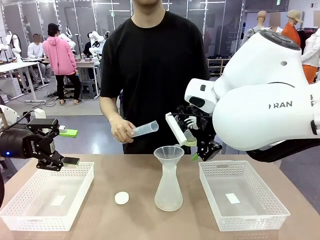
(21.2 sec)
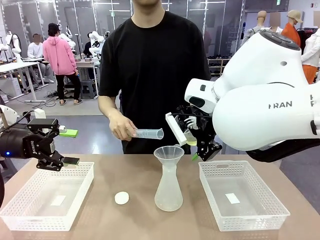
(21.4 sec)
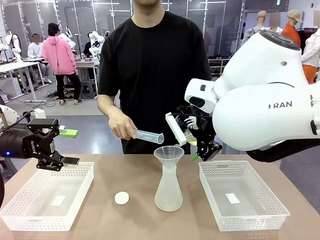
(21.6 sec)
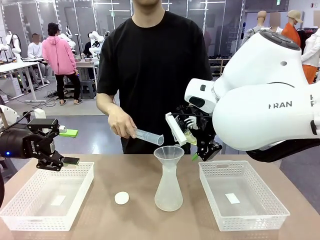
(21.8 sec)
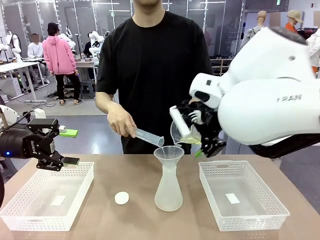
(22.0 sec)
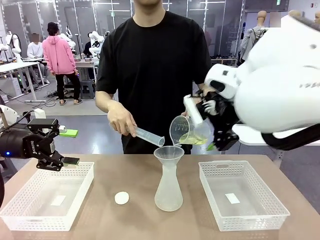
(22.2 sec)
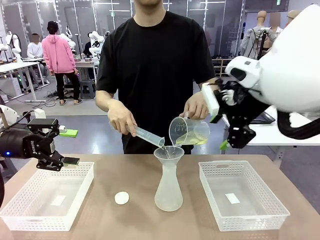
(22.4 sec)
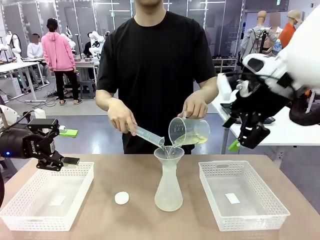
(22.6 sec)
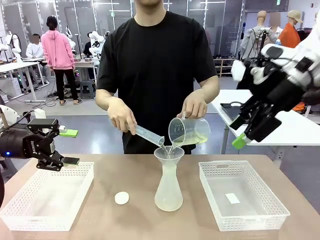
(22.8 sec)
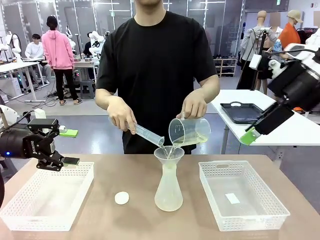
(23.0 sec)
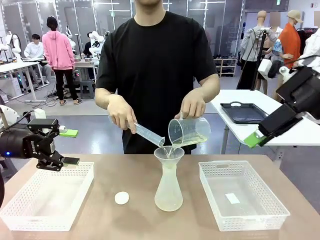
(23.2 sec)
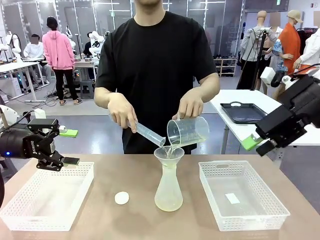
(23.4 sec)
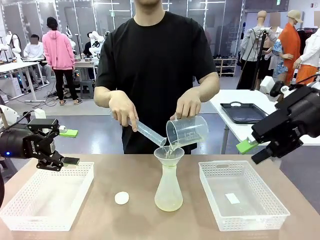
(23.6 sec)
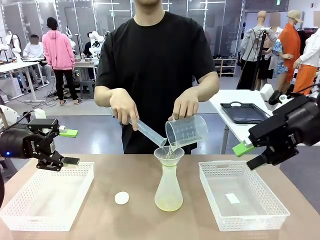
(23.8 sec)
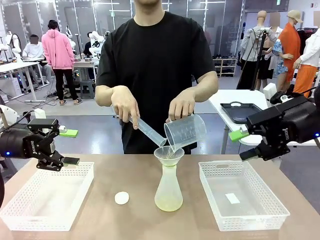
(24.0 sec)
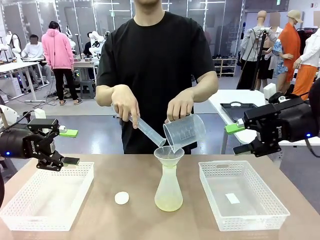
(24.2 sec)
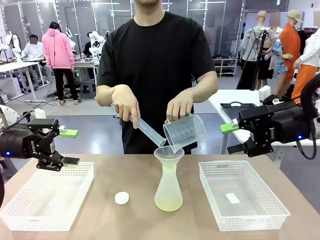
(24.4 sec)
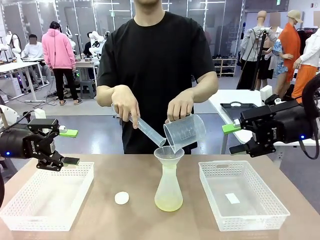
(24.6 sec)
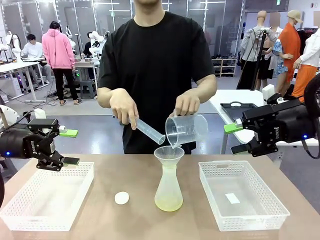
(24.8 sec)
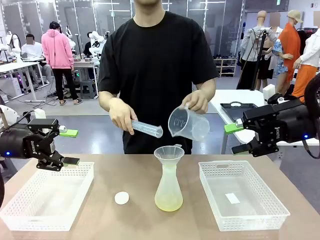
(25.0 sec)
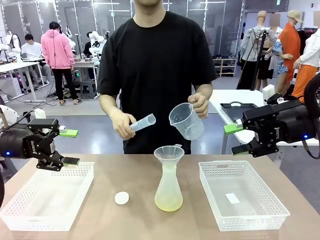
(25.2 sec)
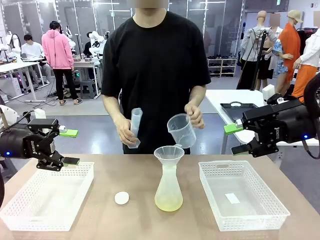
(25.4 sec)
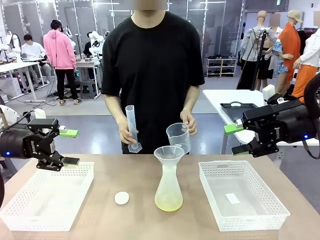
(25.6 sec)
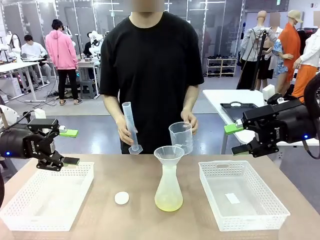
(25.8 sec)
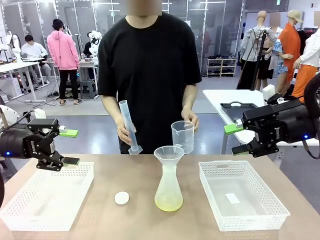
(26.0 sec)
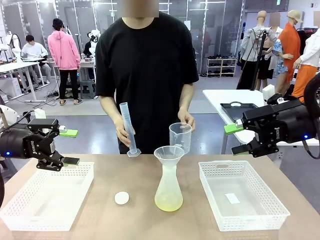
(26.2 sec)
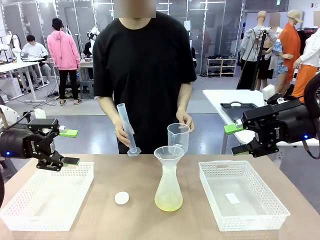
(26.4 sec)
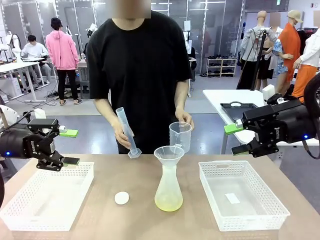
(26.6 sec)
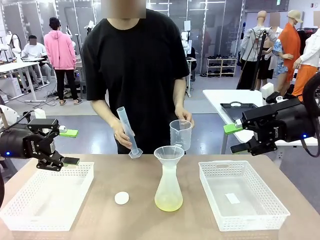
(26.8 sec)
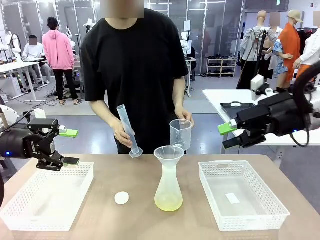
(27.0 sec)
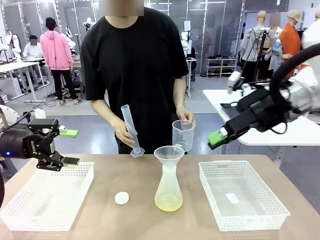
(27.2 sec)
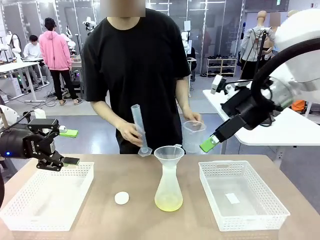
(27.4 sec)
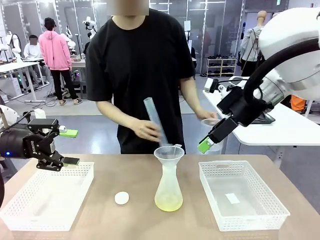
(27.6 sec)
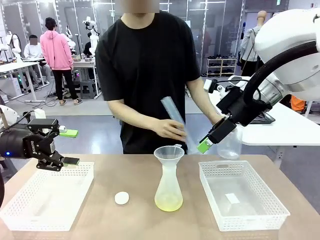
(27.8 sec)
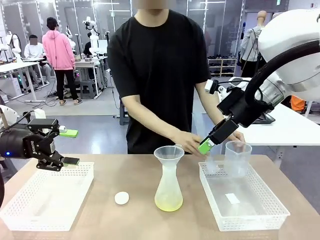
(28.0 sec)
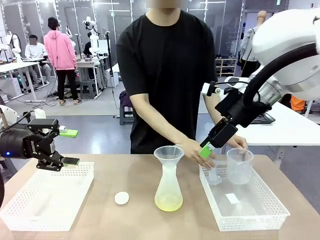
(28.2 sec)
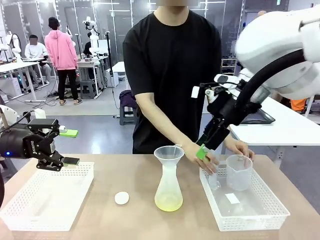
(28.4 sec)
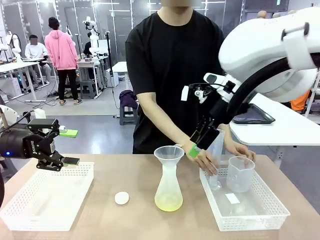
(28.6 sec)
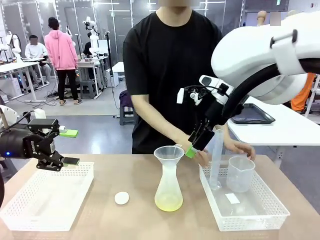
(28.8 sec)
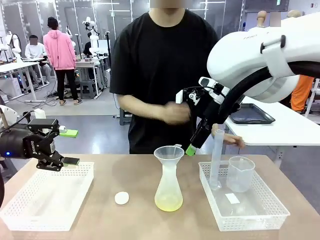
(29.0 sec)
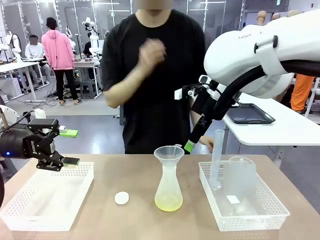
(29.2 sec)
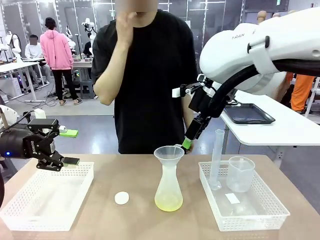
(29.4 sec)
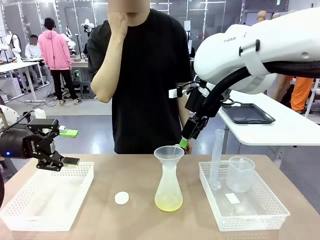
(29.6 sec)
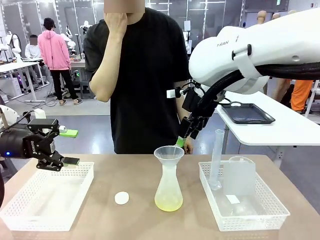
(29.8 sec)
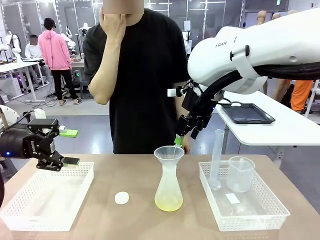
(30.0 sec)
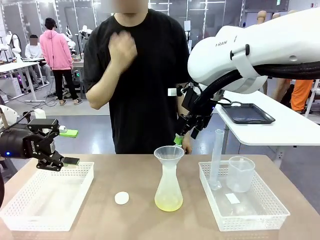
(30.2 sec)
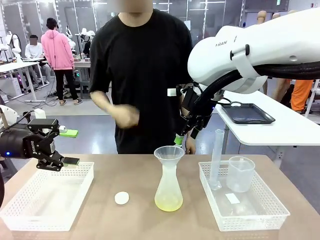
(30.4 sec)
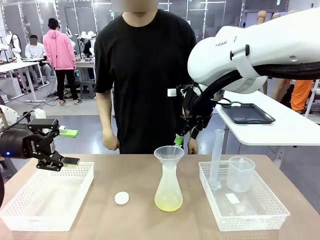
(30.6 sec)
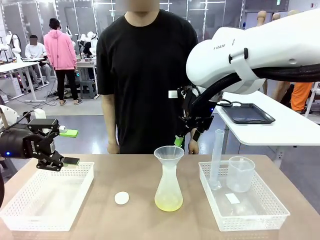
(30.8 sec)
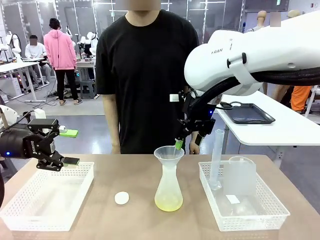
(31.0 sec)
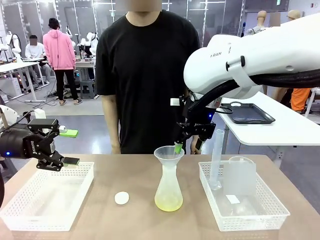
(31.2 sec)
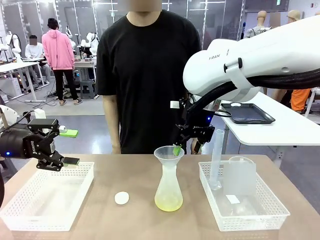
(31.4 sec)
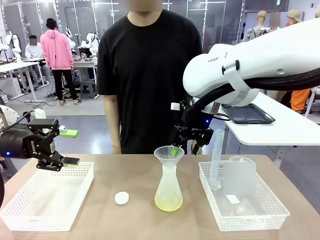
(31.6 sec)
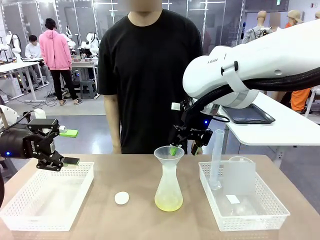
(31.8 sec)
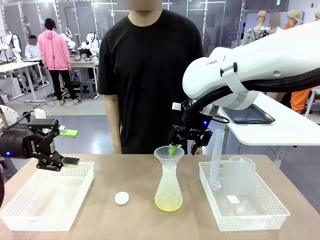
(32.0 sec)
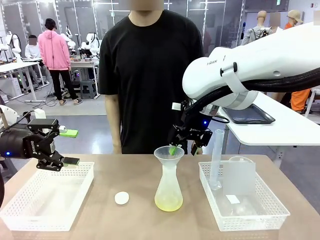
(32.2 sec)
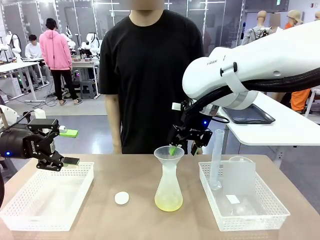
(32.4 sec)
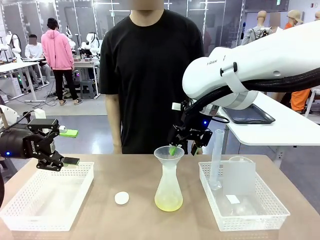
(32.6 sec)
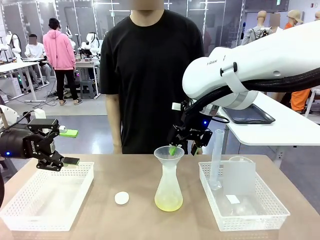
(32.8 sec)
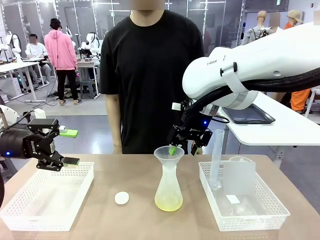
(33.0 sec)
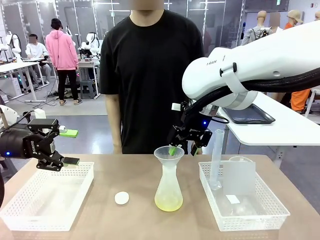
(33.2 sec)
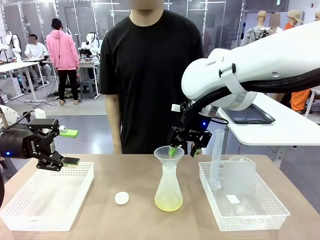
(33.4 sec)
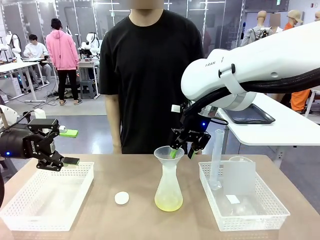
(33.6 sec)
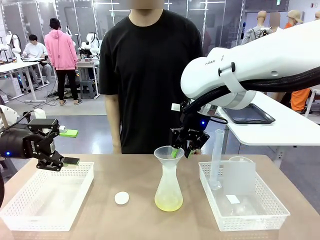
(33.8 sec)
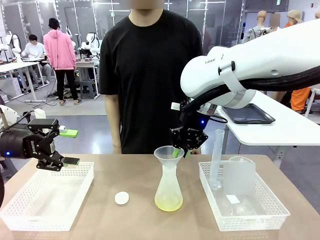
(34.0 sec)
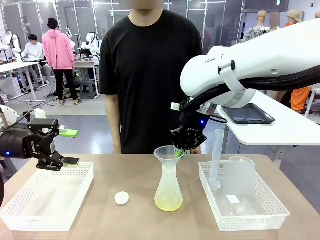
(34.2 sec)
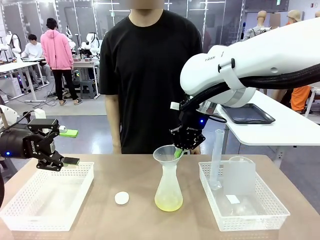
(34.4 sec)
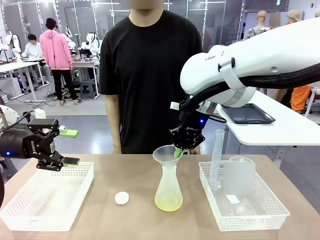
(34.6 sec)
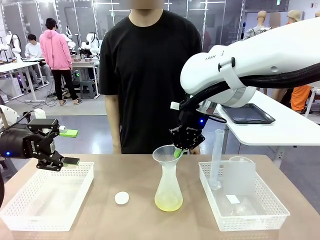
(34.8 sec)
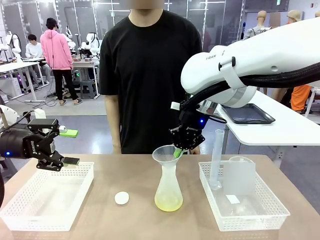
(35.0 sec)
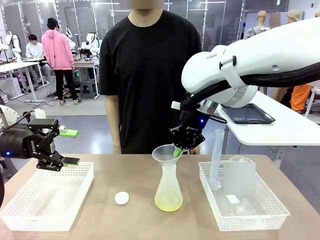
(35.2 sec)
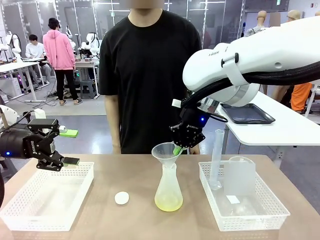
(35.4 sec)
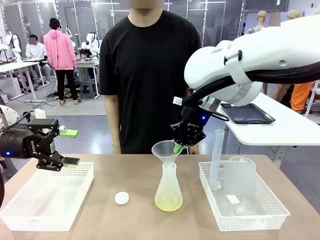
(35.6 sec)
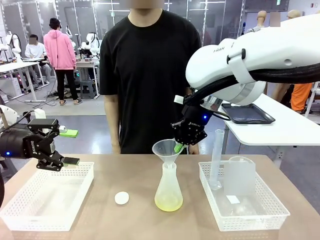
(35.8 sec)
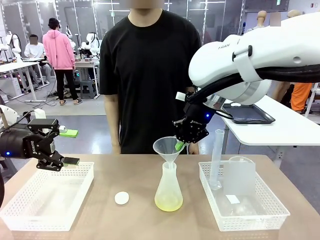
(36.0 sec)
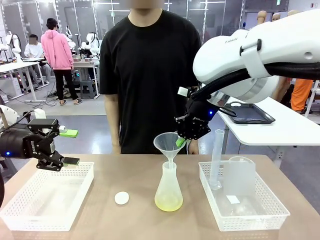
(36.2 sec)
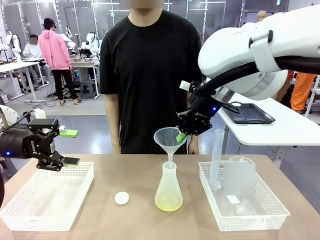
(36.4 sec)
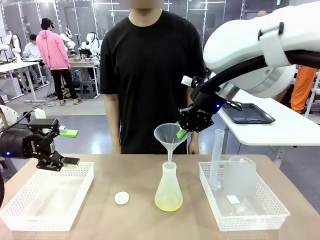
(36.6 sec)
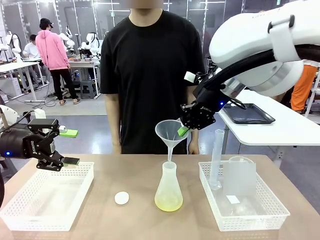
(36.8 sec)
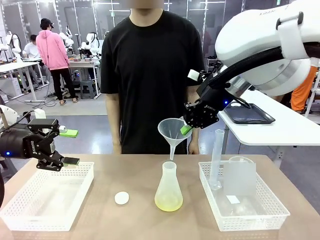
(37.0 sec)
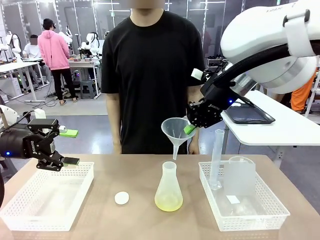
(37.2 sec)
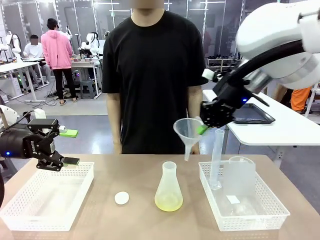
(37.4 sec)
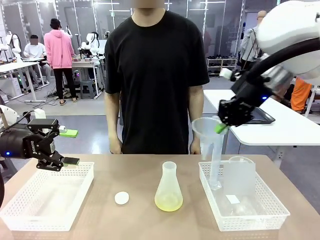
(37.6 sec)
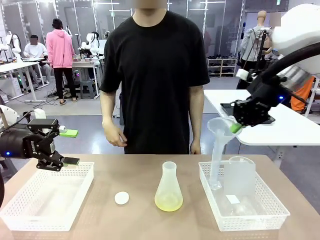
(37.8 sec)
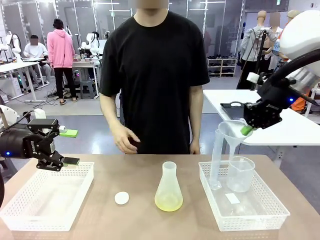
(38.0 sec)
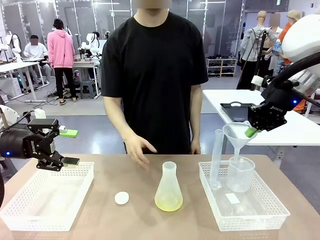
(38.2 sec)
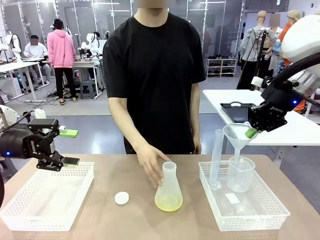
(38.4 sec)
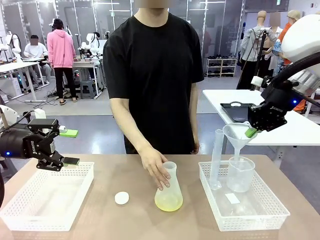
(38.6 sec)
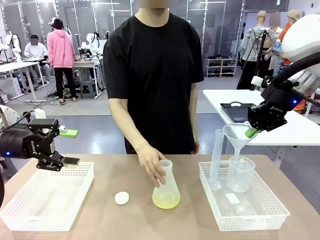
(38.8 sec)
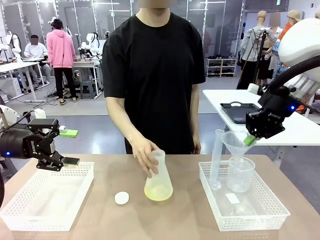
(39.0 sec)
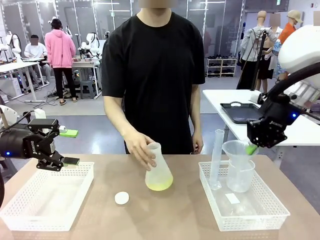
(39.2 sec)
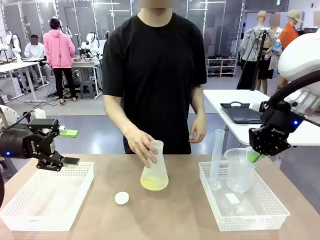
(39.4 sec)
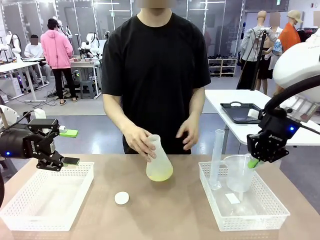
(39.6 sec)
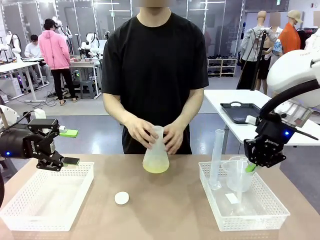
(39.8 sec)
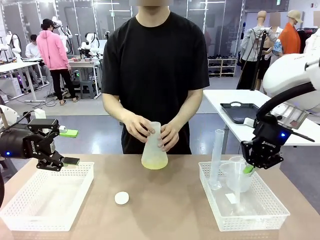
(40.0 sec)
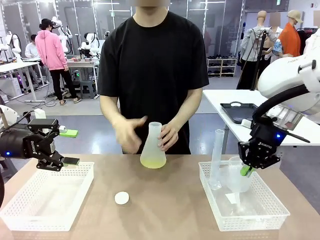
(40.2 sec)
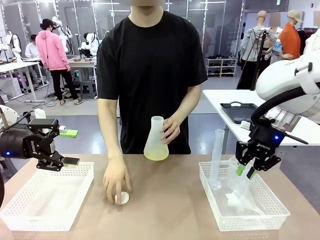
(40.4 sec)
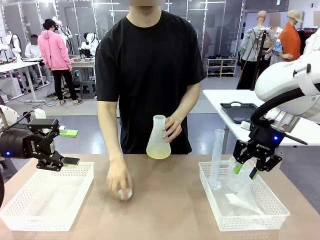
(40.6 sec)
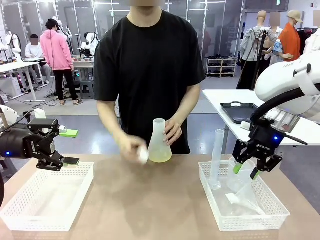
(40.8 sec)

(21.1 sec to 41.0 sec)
Task: Prepare the solutions needed for the experiment.
Robot: Once the solution is in the Big flask , pick up the Plastic Funnel and place it back into the right Organizing basket.
Person: Place the beaker and the cylinder into the organizing basket on the left side. Pick up the flask, gently shake it 2–3 times, place it in the middle of the robot table, and close the lid.
